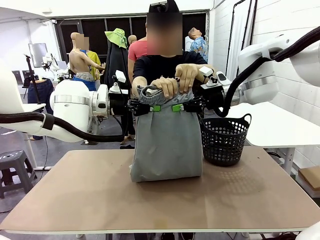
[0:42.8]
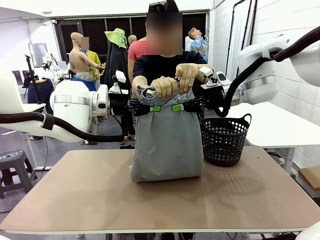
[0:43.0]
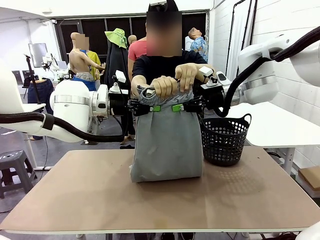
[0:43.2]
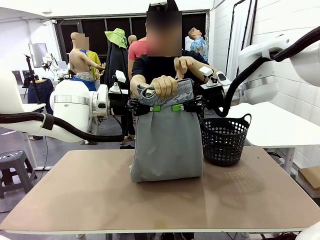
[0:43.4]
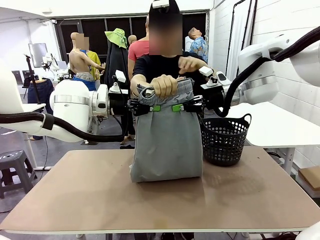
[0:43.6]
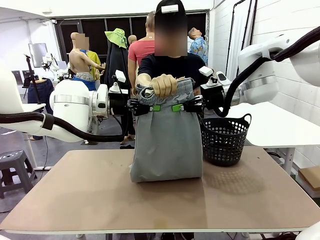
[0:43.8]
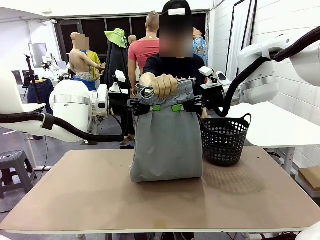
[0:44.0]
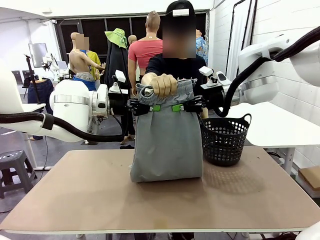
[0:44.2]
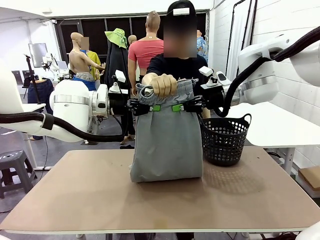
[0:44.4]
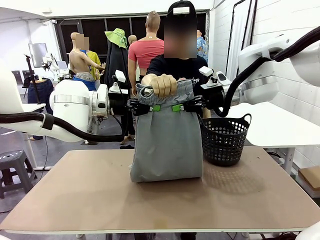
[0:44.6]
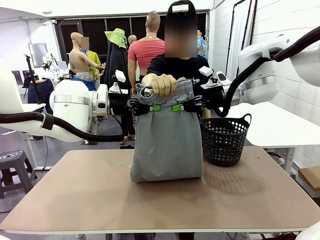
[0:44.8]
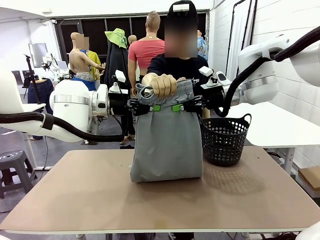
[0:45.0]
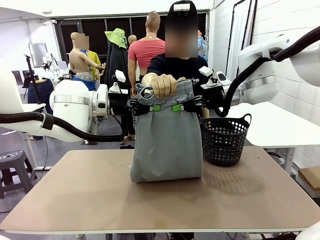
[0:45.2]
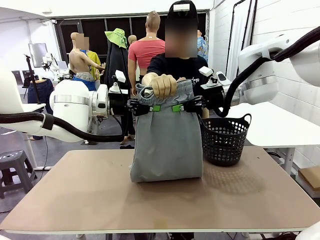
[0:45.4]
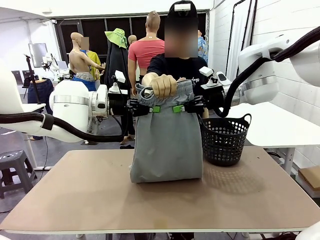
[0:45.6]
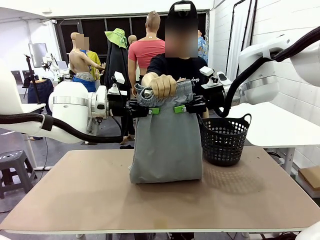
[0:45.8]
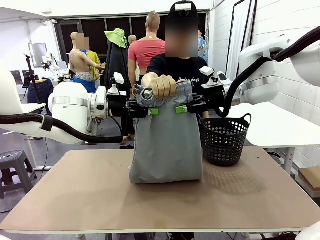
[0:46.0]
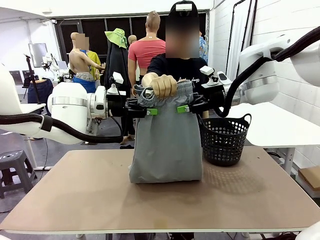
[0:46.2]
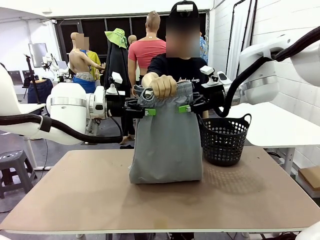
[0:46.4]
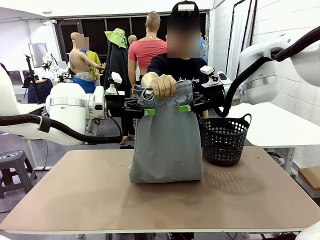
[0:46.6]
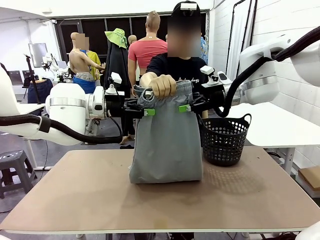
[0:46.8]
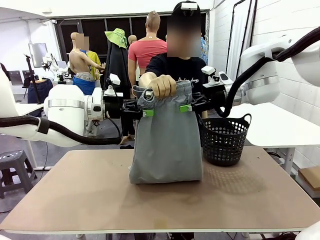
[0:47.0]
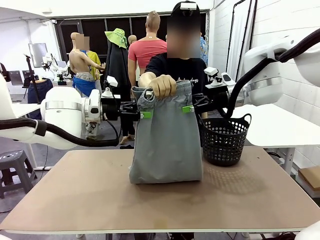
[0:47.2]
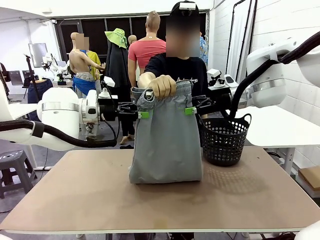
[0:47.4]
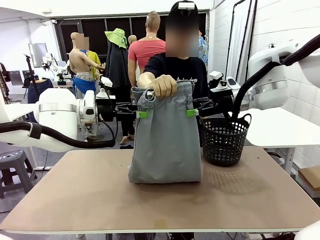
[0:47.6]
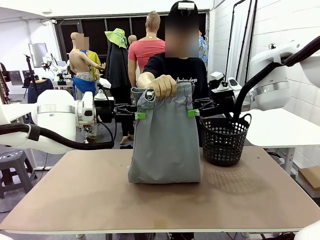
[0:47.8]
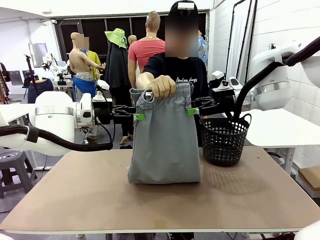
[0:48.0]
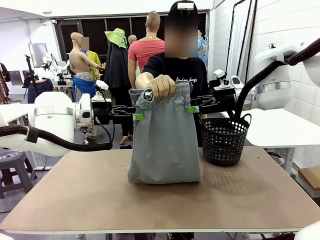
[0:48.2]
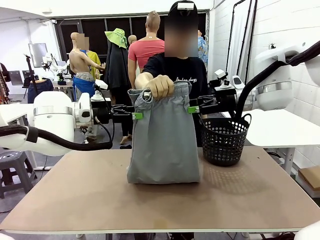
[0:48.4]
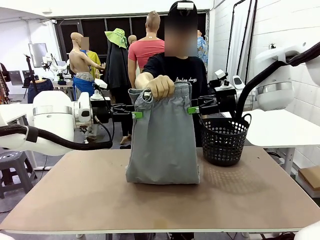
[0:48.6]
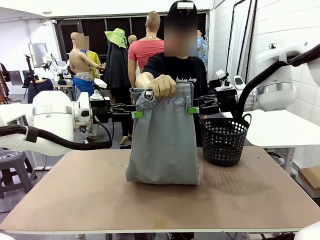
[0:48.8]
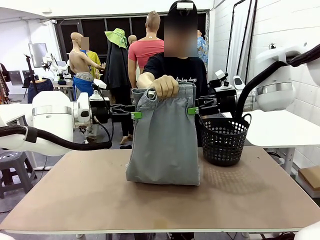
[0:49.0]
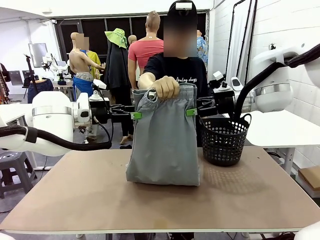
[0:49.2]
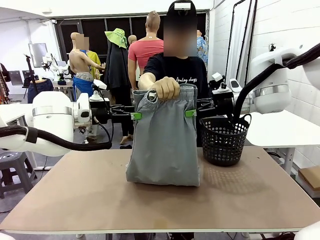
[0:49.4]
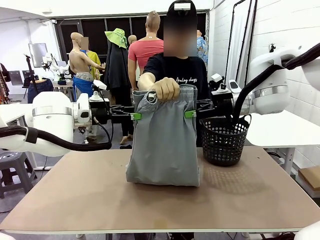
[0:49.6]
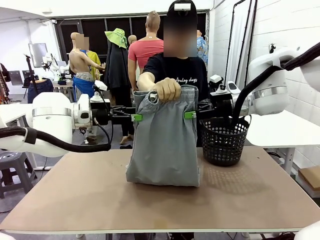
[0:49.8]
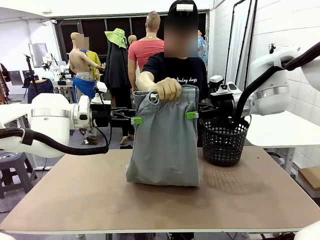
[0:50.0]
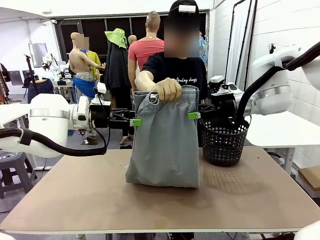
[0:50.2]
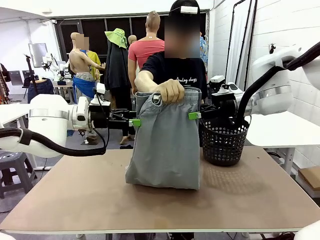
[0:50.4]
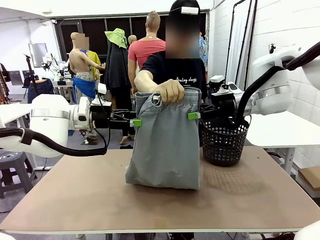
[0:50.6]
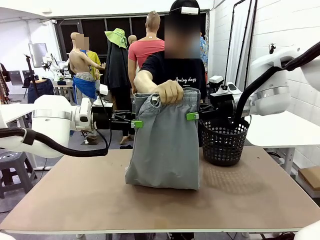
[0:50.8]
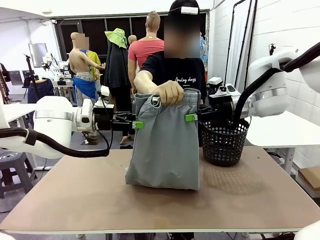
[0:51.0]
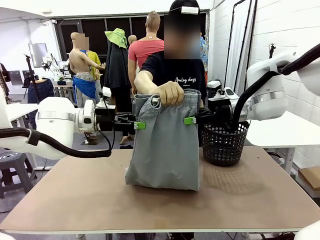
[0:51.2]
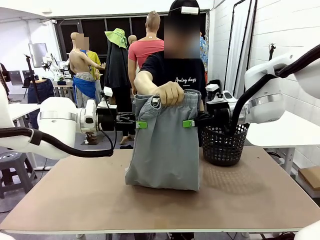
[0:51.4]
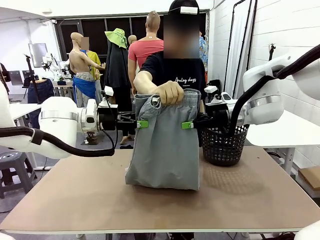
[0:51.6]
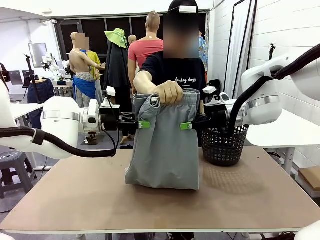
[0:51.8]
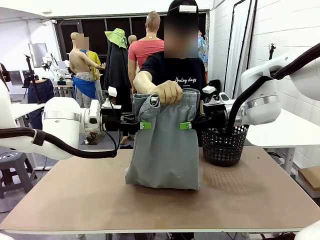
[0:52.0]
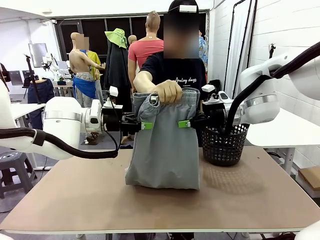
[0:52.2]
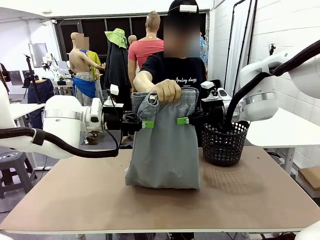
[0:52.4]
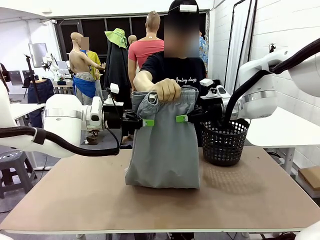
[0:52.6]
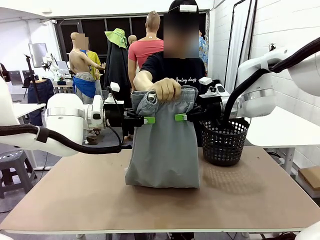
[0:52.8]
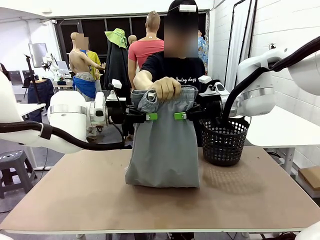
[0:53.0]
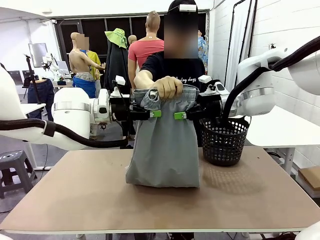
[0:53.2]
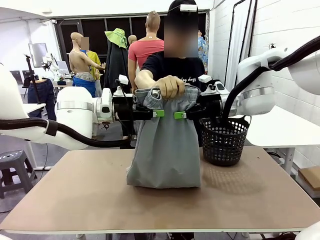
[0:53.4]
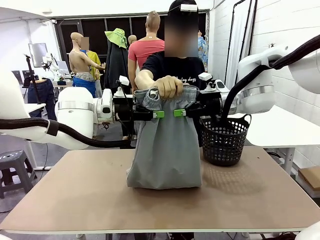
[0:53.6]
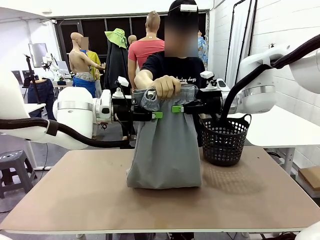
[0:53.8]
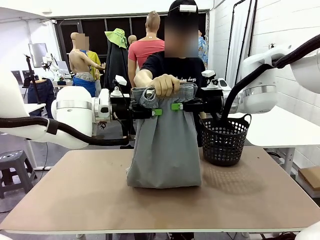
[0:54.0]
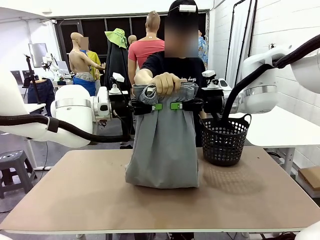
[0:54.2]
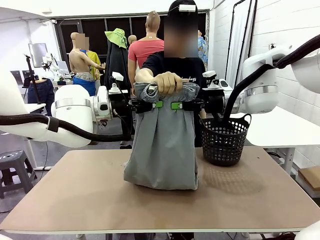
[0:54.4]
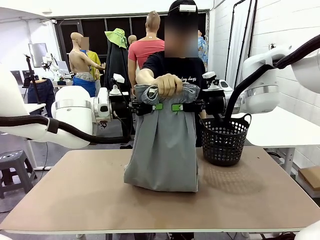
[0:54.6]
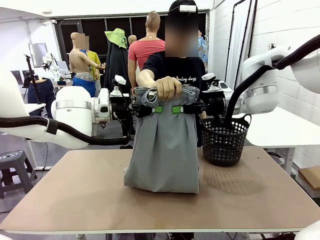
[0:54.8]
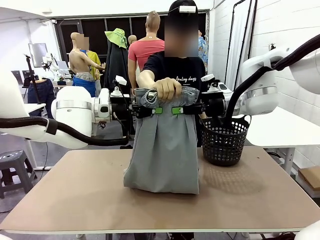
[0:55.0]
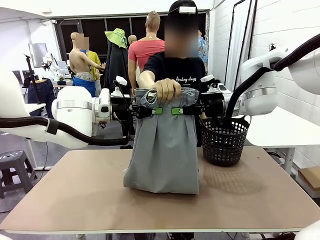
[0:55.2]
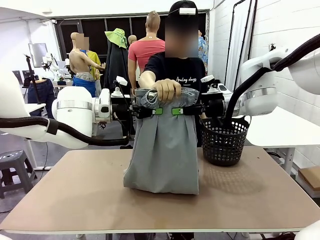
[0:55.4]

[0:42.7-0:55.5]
Task: Fold the training pants.
Robot: Release the ends of the Training pants and then grab the overlapped ends.
Person: Release the pants you were holding.

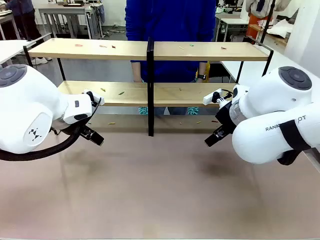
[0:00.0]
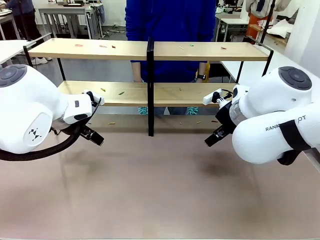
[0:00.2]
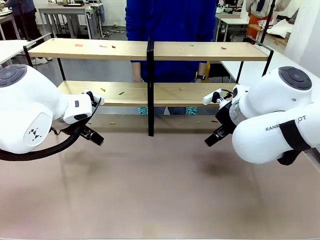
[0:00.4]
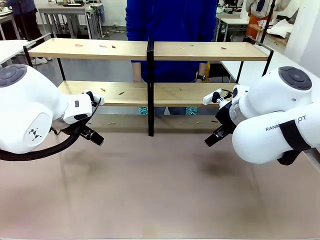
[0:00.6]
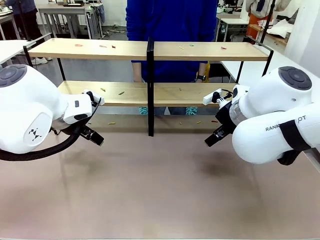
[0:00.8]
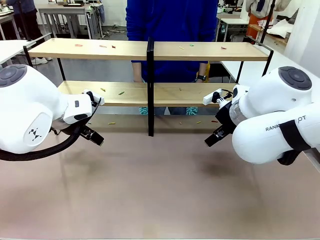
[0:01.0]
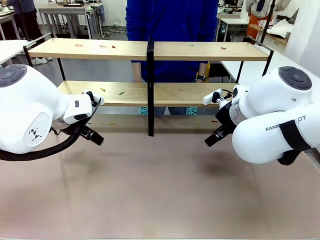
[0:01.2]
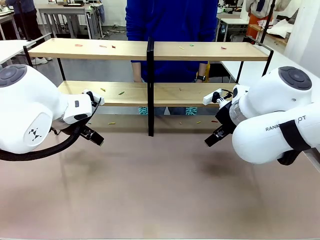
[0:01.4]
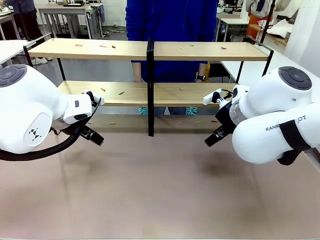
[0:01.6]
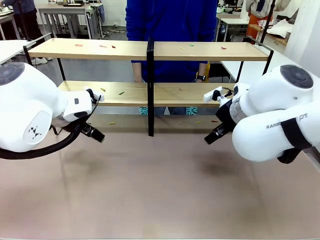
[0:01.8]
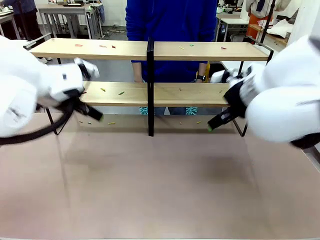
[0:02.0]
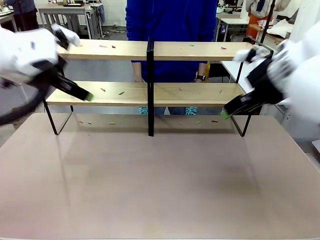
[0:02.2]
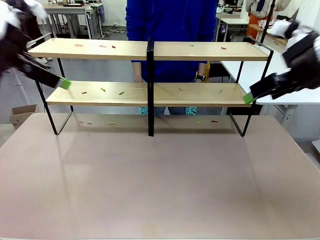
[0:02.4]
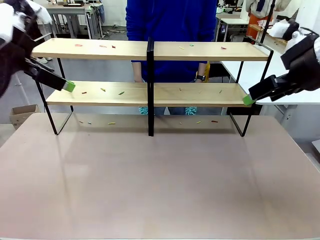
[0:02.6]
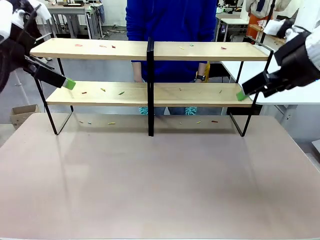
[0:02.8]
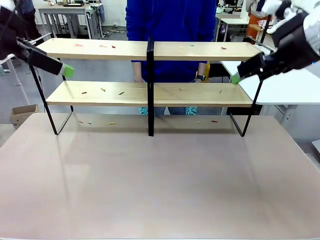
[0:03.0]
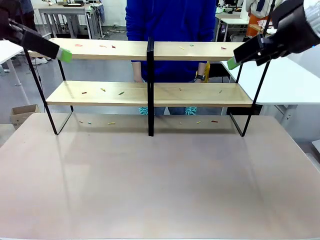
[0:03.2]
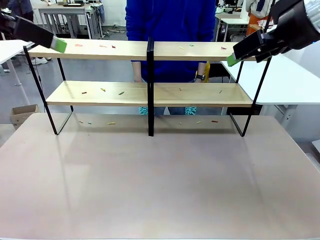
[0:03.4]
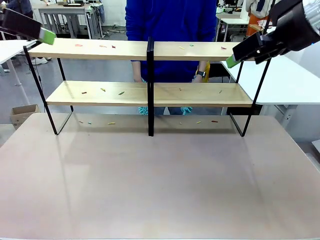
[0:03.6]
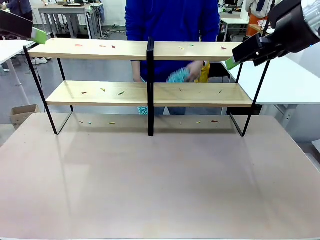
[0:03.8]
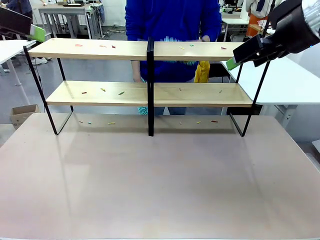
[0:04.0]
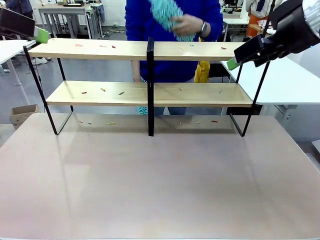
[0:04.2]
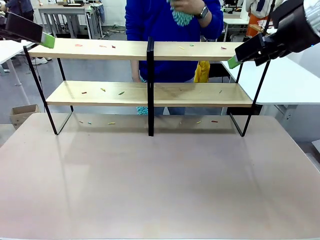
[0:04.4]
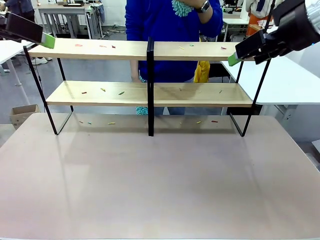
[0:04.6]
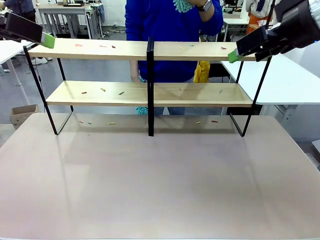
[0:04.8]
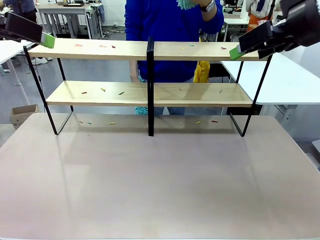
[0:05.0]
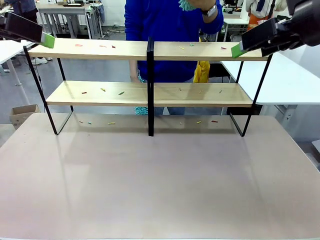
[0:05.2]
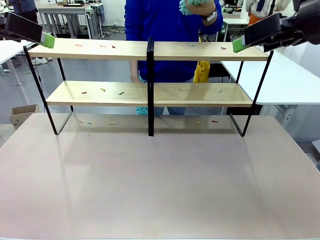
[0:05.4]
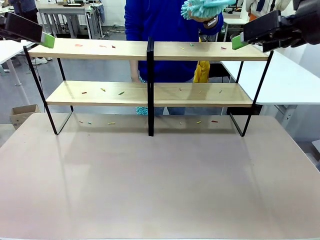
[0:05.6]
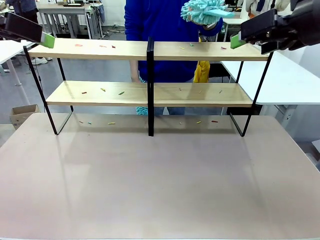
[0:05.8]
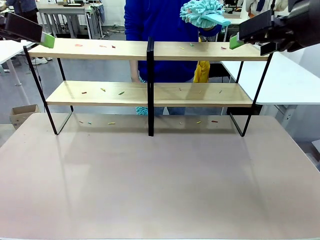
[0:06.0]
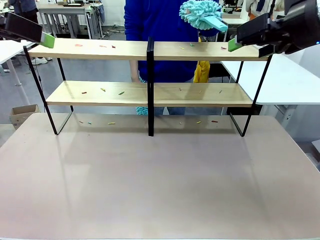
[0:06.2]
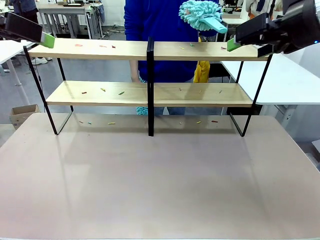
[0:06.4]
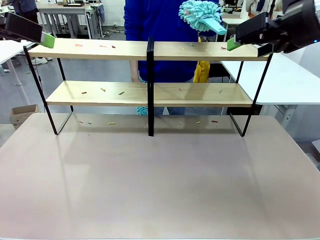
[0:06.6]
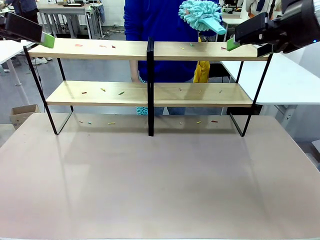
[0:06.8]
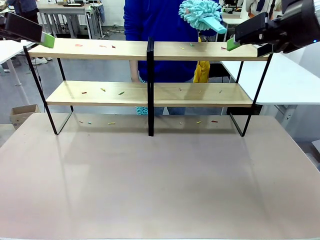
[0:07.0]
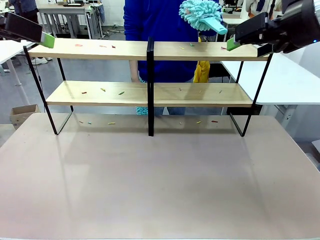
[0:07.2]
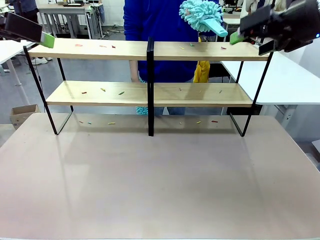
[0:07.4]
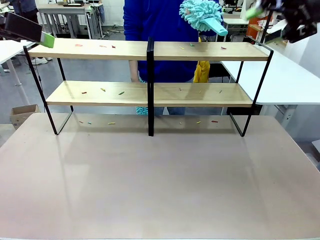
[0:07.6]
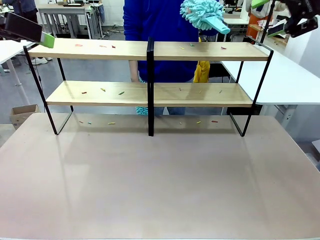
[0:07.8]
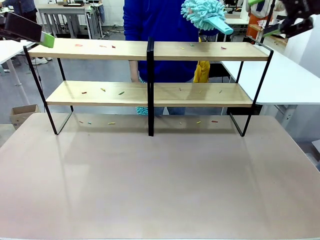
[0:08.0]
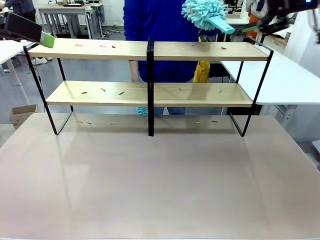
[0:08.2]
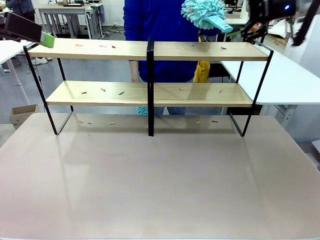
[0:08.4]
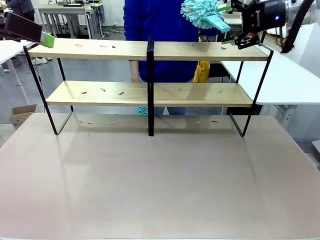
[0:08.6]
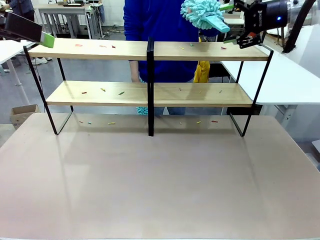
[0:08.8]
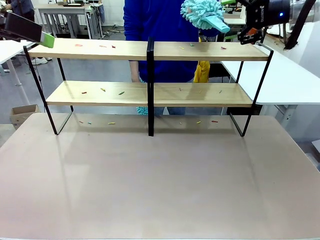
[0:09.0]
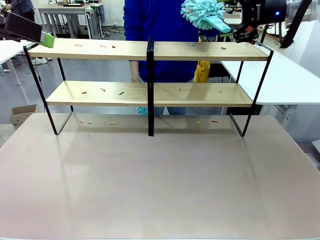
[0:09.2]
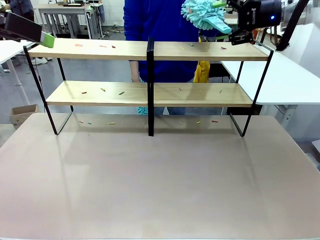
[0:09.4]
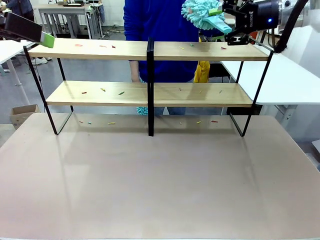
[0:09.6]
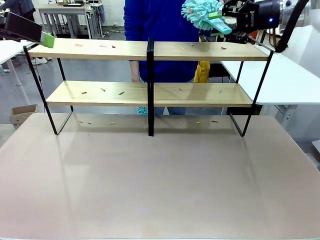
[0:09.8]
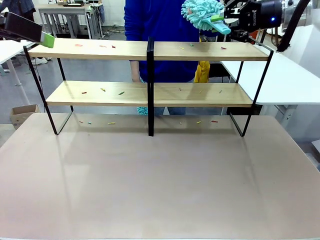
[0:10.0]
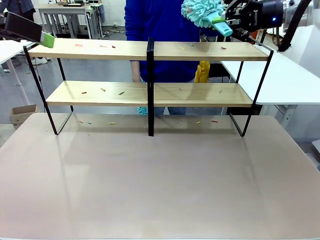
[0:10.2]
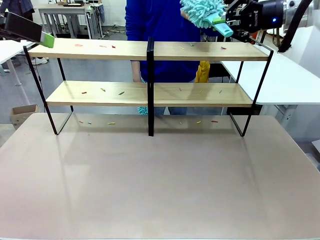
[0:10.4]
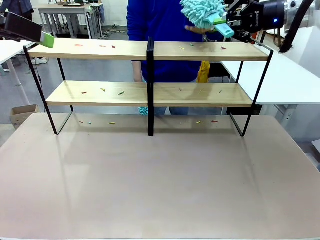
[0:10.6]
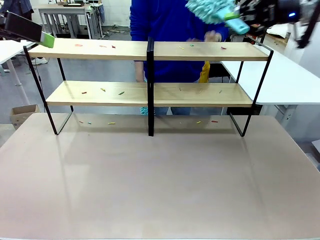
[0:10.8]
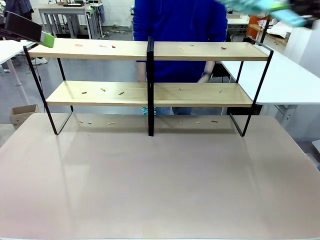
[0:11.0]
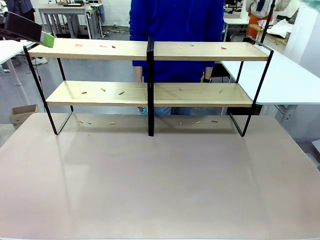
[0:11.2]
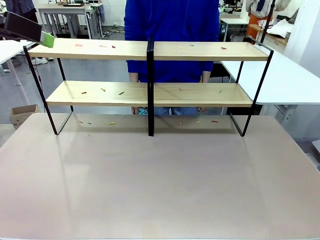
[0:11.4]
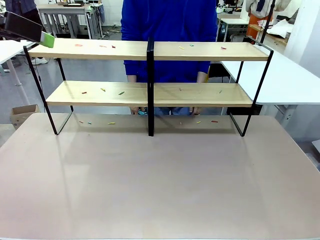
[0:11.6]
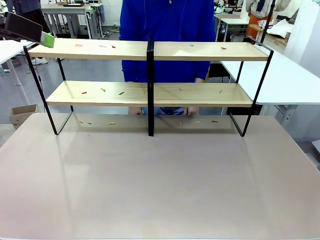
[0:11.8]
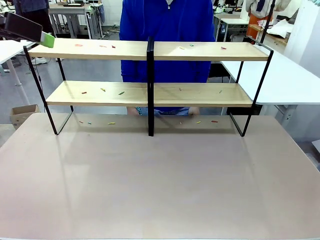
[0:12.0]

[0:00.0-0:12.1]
Task: Clean the shelves.
Robot: Pick up the Duster when the human hands it over.
Person: Hand the Duster to the robot with your right (or left) hand.
